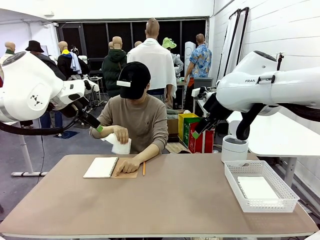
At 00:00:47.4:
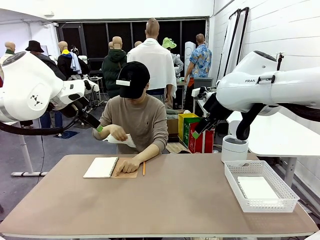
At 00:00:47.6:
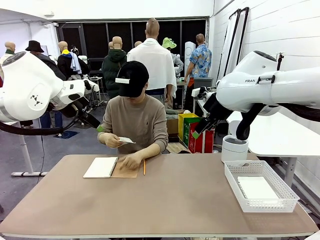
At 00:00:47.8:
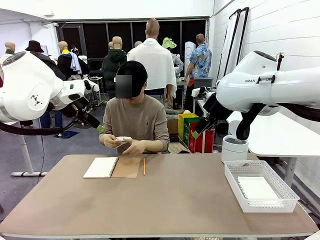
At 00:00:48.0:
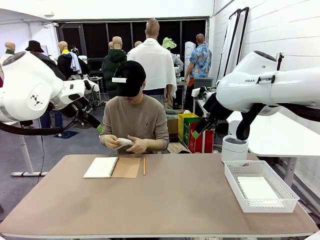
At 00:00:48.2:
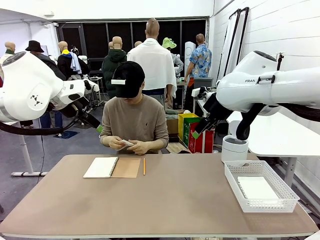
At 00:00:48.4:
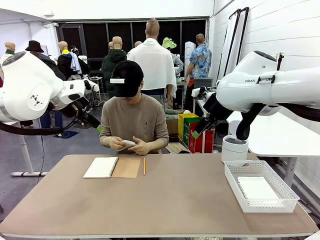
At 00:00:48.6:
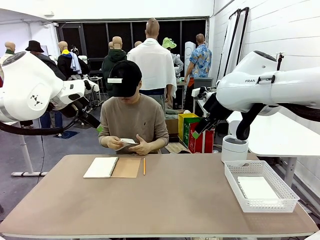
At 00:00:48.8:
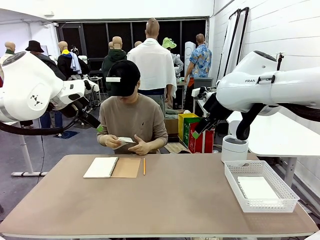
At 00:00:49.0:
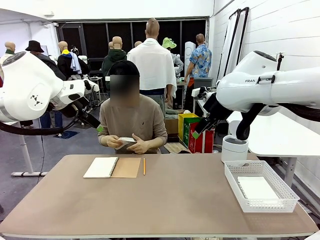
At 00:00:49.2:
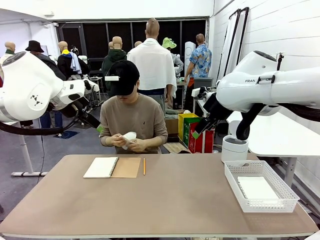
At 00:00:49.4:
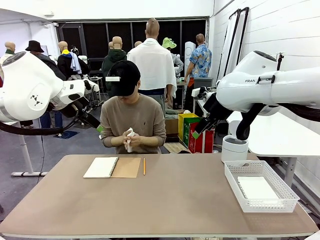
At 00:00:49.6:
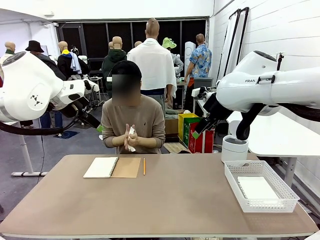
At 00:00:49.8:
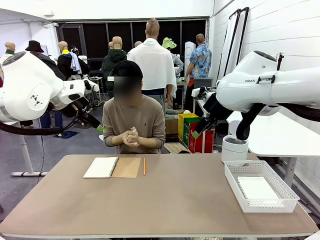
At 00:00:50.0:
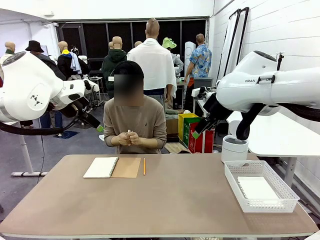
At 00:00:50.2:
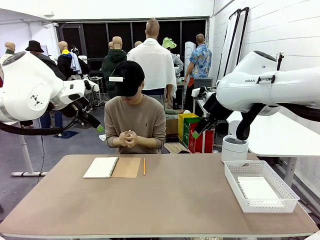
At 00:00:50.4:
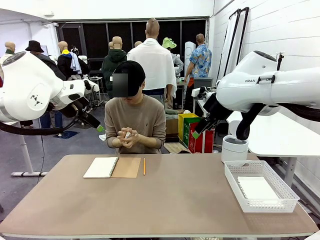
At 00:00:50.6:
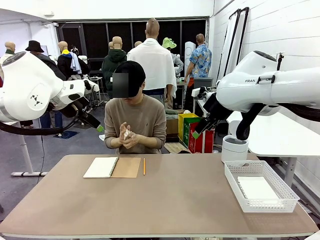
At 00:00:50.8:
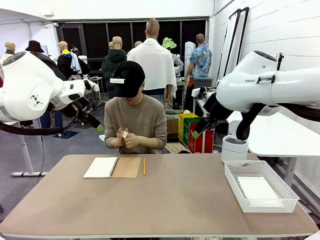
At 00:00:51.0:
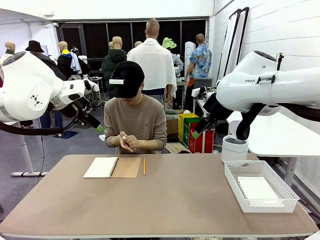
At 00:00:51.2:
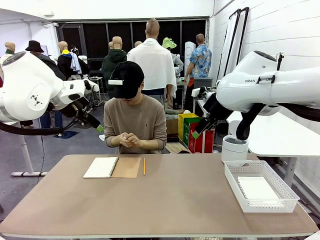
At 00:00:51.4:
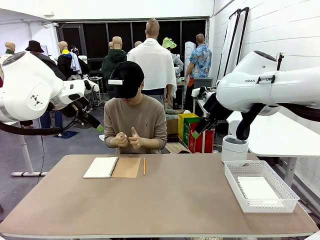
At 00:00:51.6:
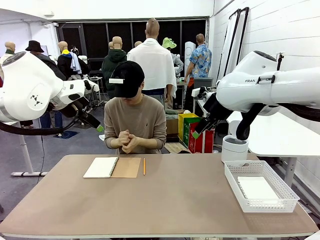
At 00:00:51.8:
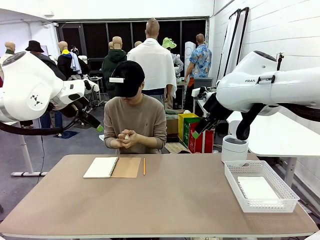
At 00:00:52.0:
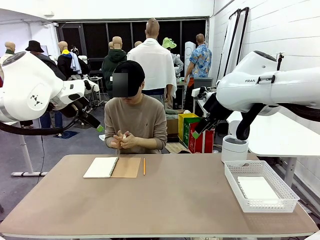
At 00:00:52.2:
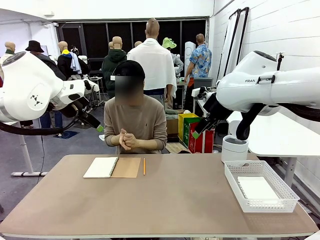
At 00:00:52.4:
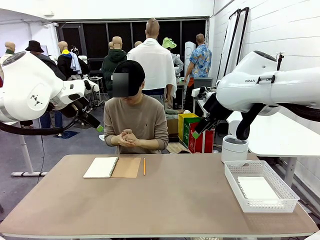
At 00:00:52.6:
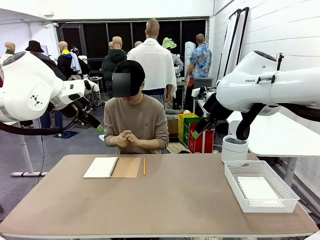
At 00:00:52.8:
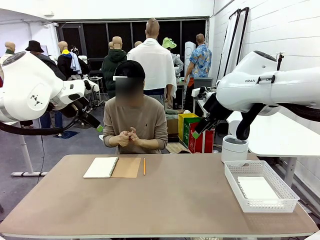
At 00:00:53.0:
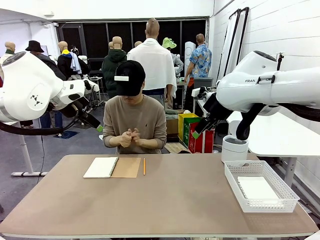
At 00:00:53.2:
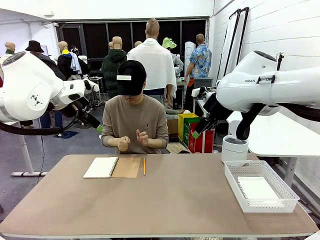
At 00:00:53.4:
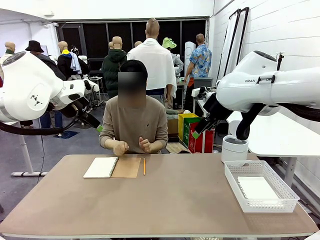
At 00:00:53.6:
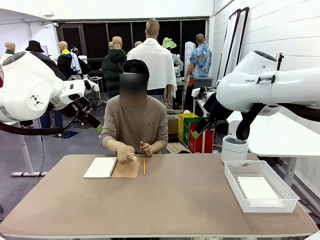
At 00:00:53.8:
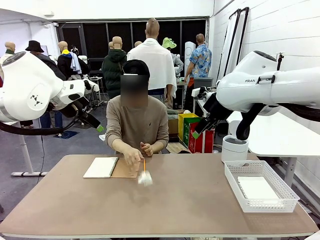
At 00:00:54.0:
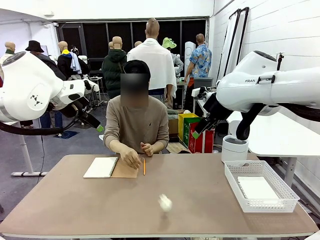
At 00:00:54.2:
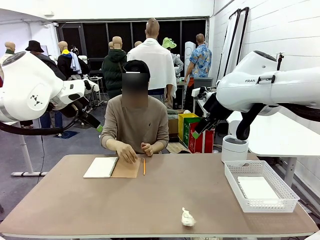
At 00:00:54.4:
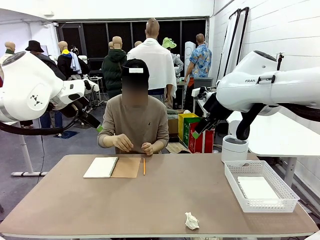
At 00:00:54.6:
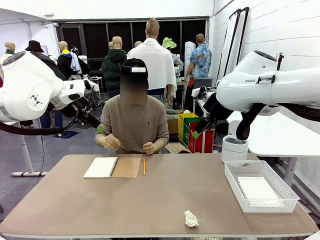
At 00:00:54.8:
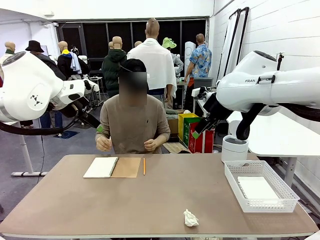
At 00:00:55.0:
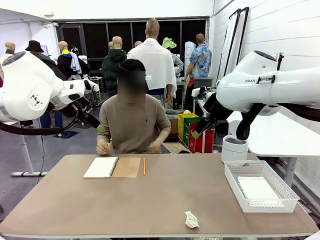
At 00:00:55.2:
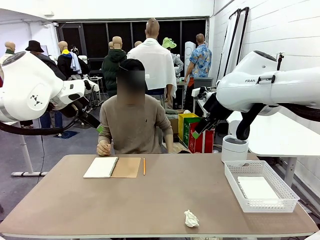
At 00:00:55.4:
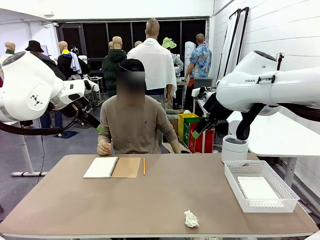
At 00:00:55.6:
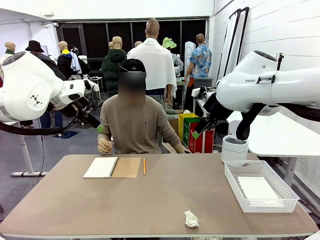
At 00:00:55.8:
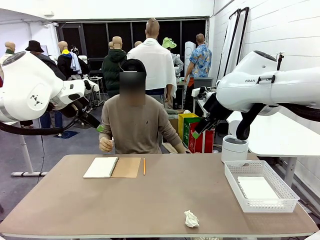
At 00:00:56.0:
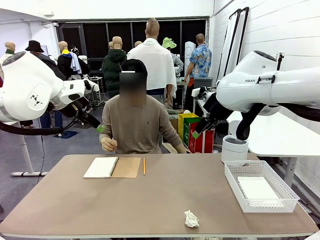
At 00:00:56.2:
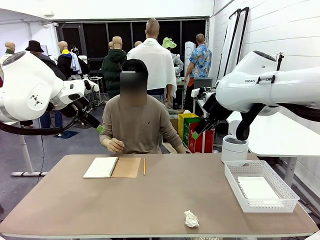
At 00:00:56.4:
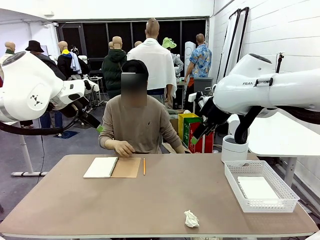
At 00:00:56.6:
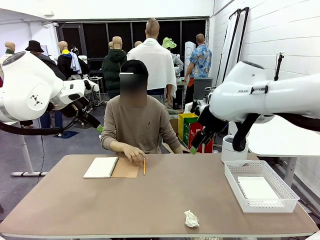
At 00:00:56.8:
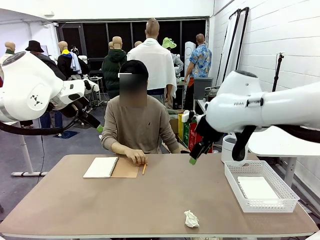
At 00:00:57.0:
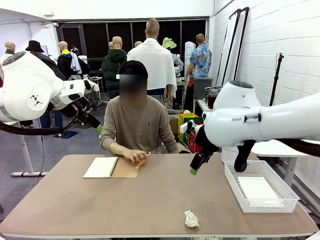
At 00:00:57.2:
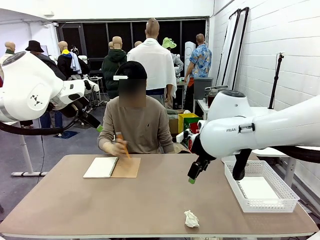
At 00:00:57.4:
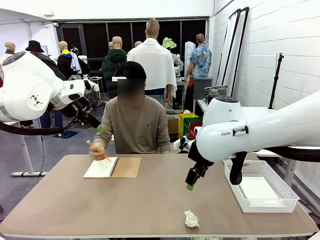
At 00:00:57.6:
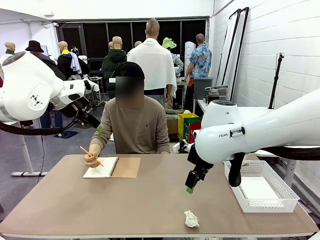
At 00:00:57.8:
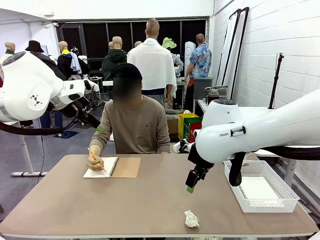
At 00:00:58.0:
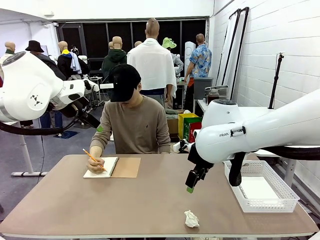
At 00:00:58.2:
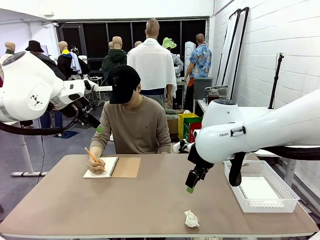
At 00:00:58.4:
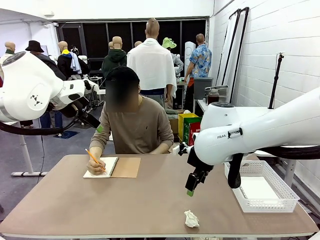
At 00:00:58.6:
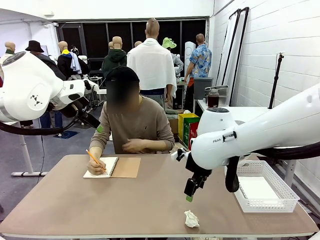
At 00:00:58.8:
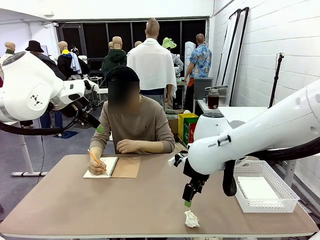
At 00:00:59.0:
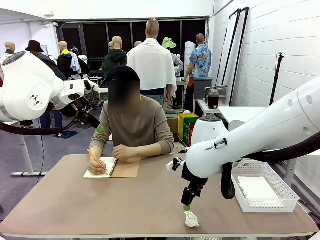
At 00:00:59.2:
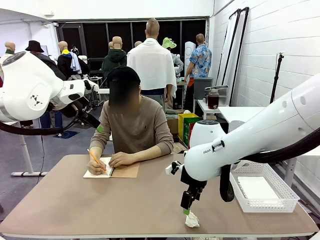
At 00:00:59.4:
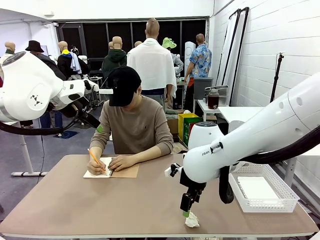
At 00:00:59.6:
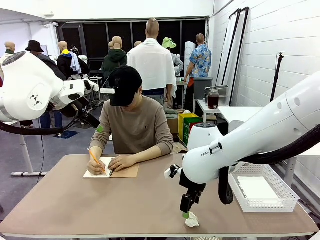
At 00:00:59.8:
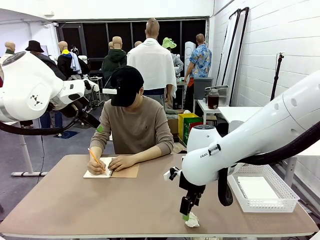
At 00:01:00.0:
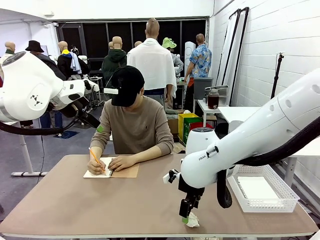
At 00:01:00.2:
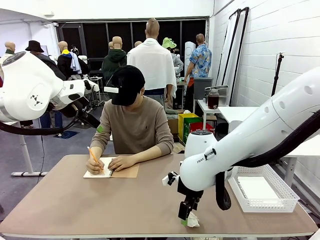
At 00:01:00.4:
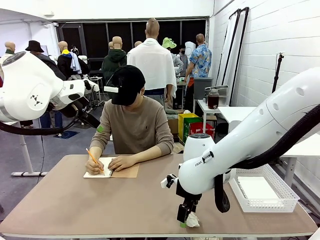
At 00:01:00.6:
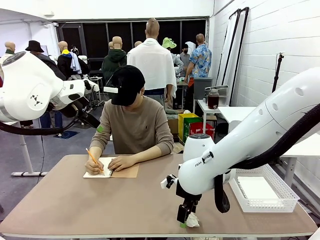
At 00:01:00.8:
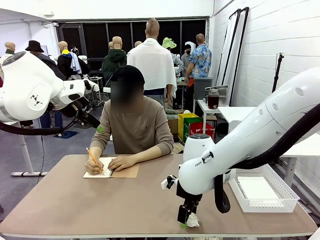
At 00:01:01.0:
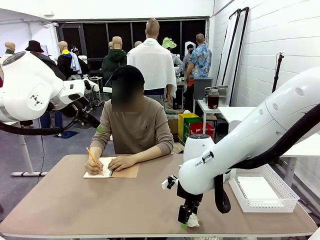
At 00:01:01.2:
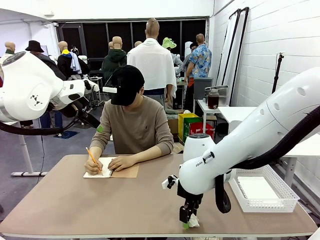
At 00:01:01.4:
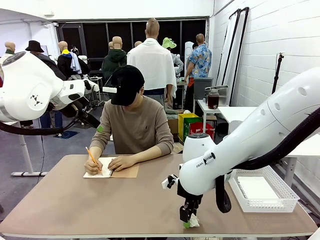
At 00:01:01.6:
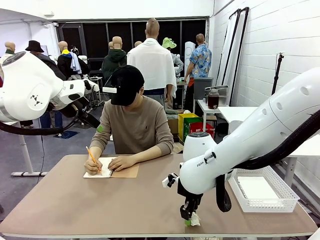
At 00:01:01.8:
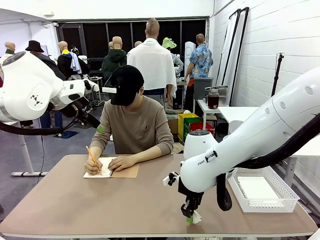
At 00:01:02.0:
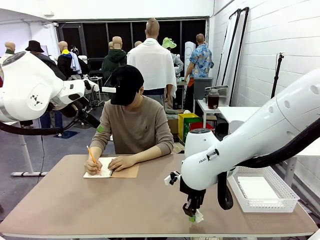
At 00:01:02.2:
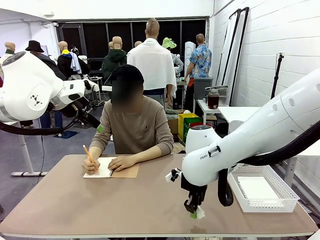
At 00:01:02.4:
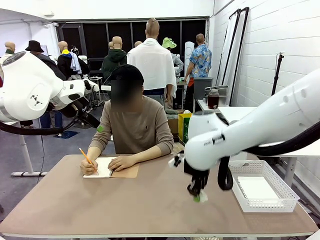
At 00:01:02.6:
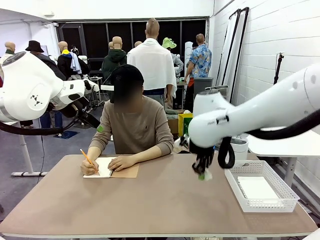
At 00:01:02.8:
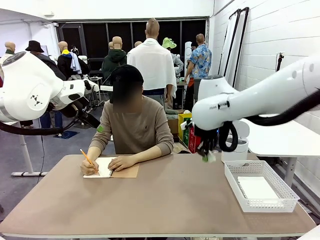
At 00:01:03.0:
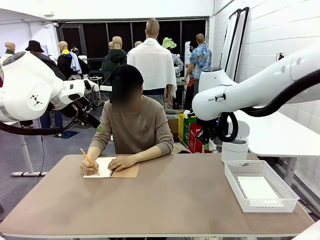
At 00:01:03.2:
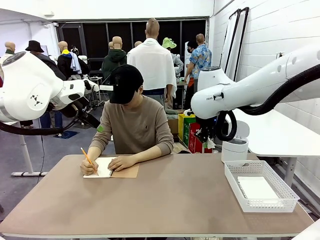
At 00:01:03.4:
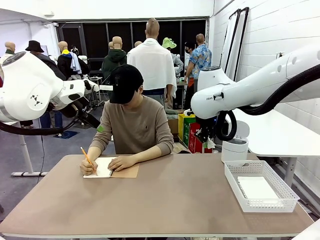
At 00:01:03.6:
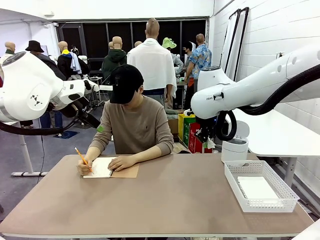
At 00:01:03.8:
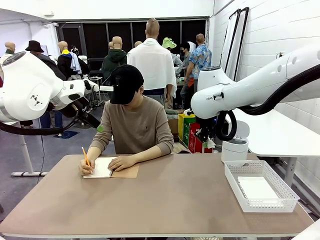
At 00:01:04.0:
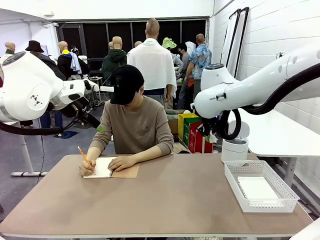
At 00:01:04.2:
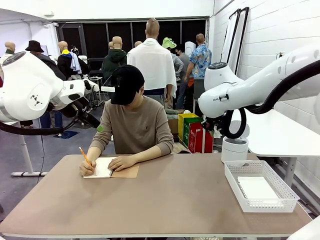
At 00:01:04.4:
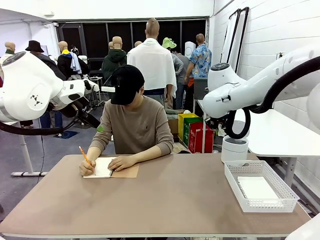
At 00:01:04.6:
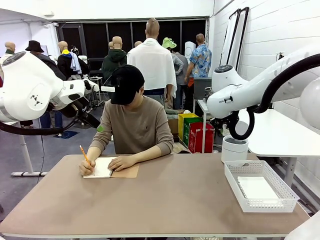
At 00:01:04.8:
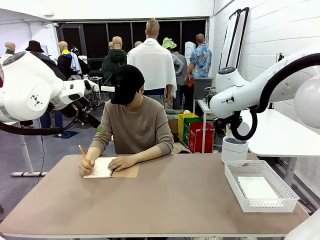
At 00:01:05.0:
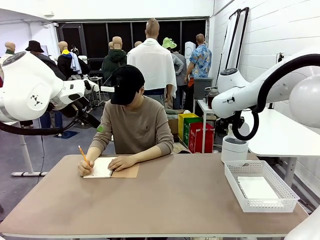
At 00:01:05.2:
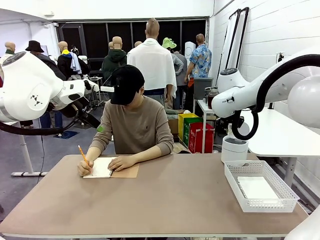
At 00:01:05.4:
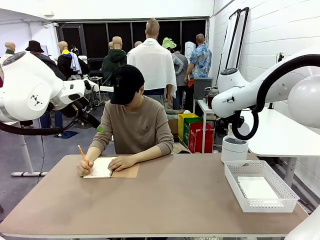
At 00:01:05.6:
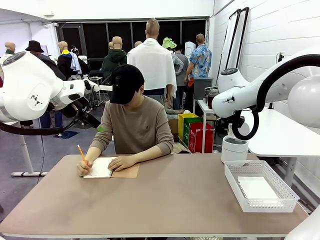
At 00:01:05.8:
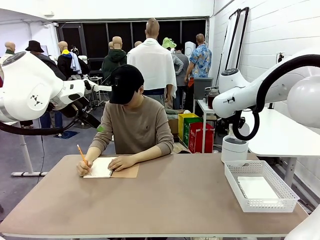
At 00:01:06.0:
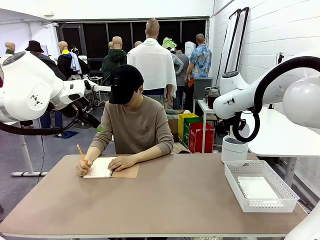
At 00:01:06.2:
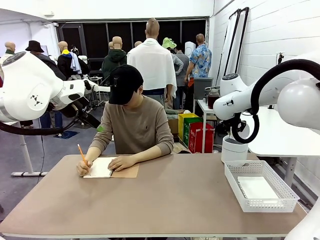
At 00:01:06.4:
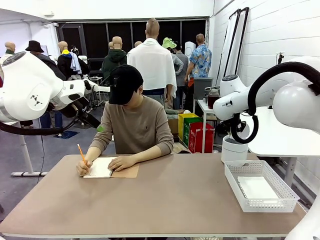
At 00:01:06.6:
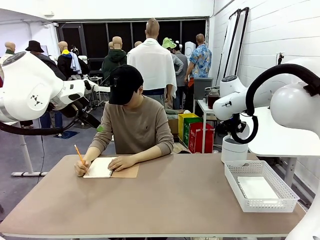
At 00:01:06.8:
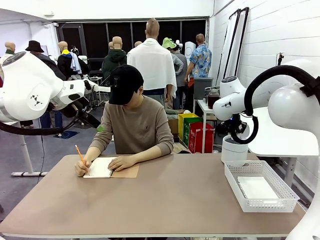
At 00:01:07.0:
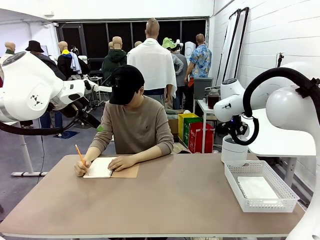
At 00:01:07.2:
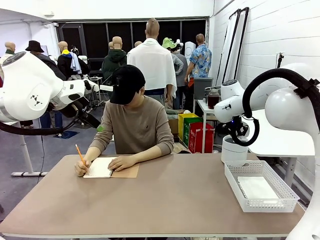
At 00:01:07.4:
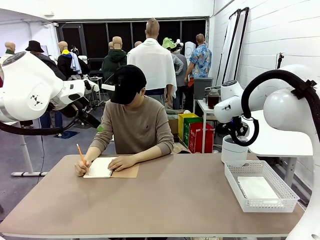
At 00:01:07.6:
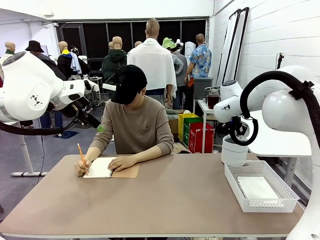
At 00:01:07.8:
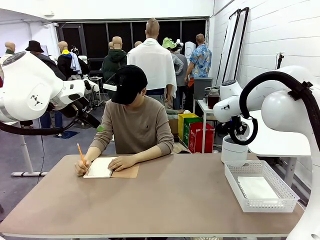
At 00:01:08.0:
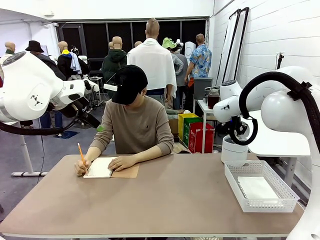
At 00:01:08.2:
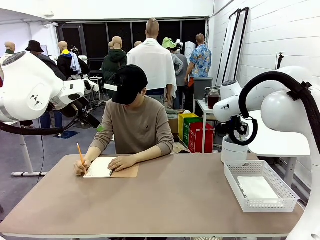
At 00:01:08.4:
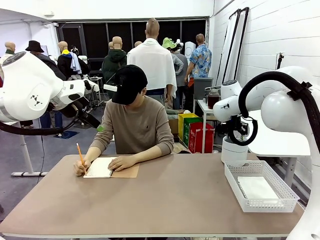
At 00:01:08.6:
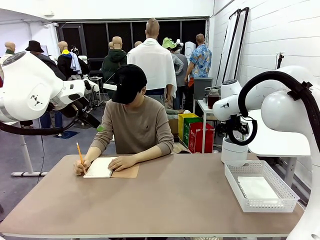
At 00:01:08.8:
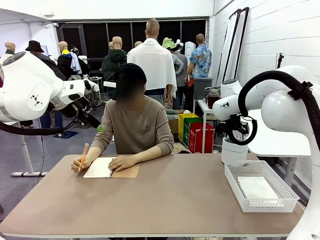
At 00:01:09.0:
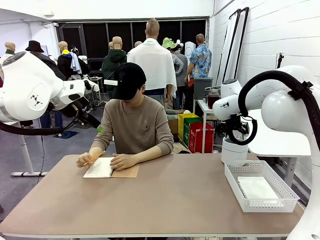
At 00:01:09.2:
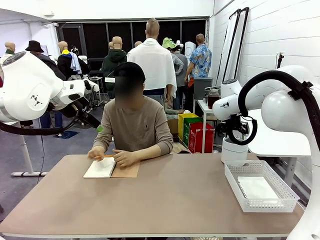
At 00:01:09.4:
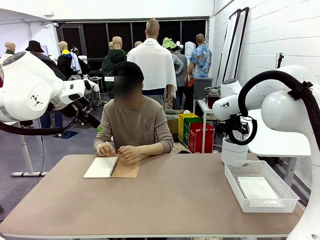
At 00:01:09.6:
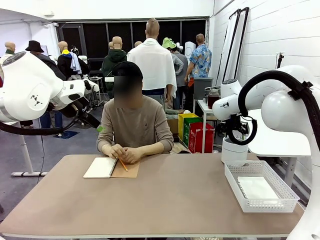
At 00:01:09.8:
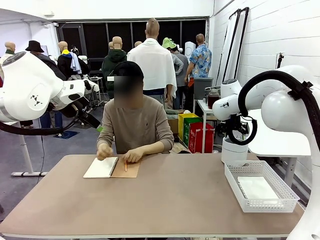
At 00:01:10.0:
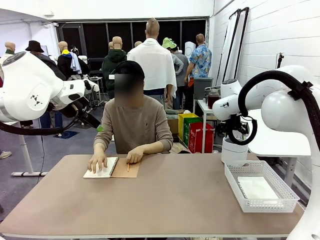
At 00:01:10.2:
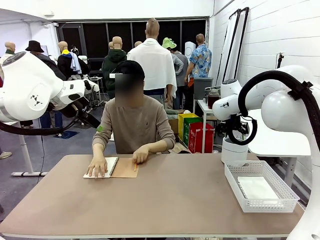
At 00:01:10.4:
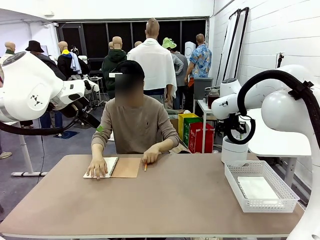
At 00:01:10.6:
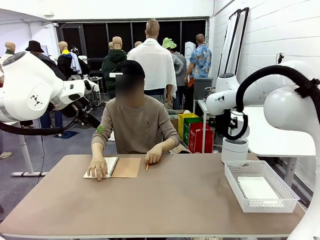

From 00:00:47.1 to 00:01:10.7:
Task: Sort the paper based on its condition.
Robot: If a person hands you a paper, place it in the Organizing basket , and if it's crumpled, put it in the Trash can.
Person: Hand the torn page to the robot or crumple it and throw it to the center of the table. Tear out a page from the spiral notebook.
